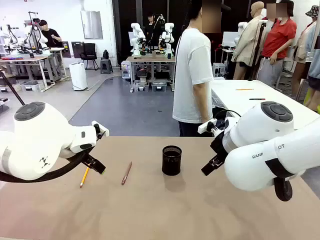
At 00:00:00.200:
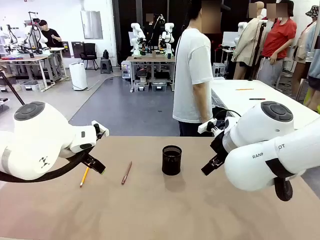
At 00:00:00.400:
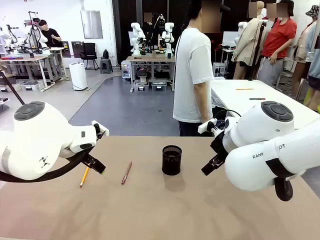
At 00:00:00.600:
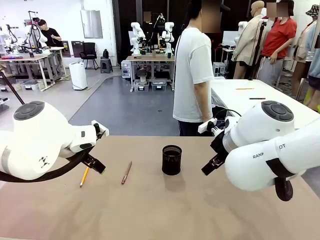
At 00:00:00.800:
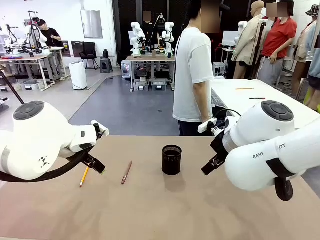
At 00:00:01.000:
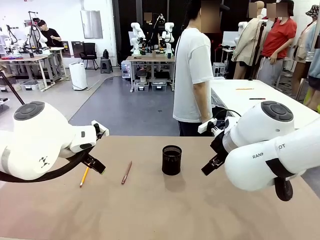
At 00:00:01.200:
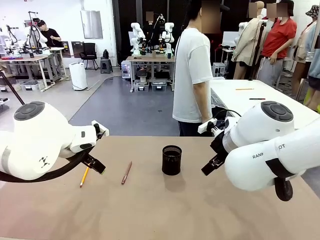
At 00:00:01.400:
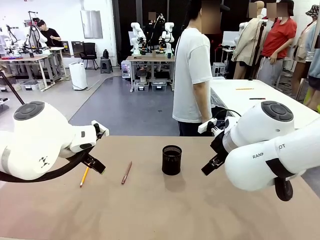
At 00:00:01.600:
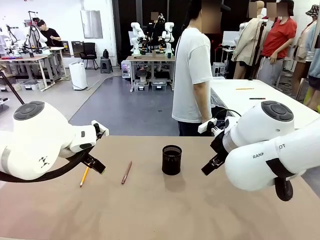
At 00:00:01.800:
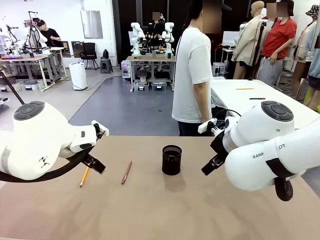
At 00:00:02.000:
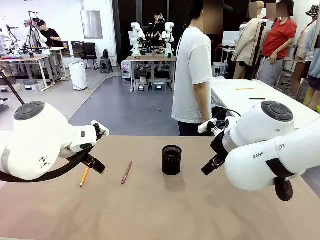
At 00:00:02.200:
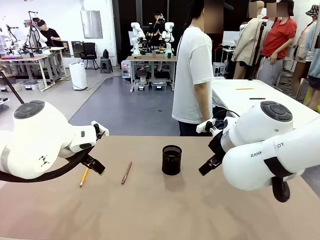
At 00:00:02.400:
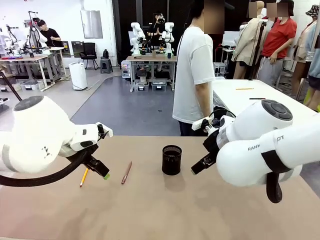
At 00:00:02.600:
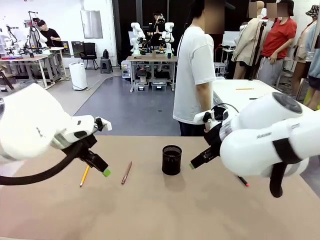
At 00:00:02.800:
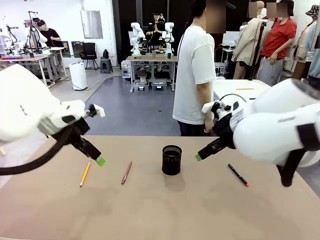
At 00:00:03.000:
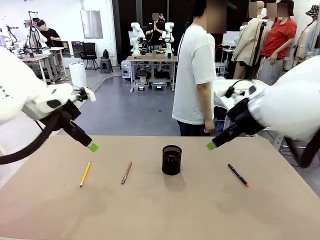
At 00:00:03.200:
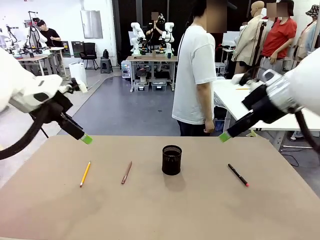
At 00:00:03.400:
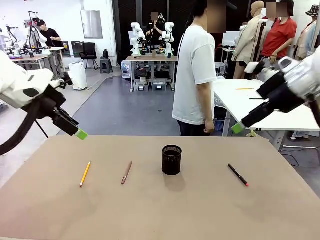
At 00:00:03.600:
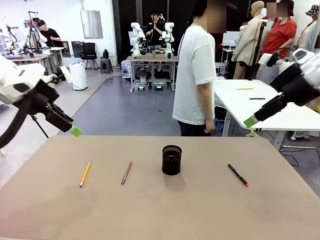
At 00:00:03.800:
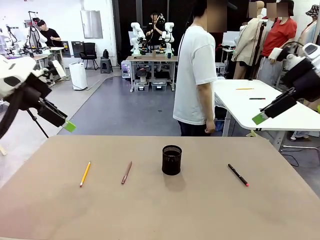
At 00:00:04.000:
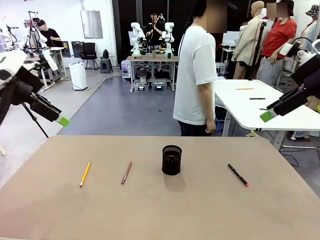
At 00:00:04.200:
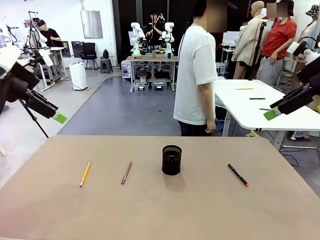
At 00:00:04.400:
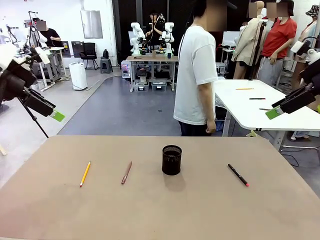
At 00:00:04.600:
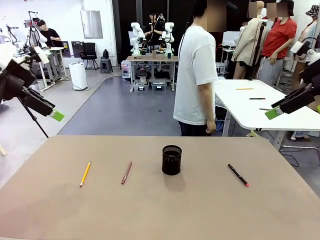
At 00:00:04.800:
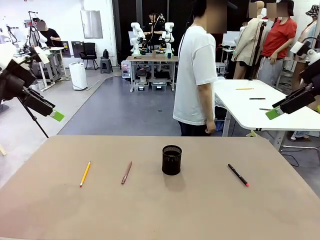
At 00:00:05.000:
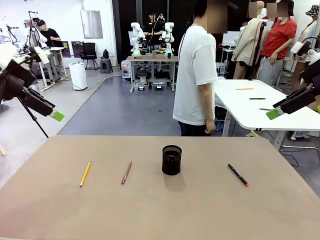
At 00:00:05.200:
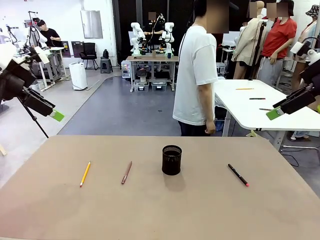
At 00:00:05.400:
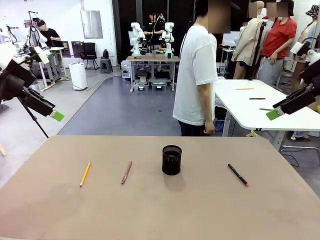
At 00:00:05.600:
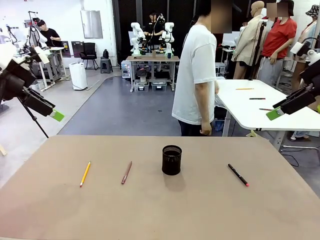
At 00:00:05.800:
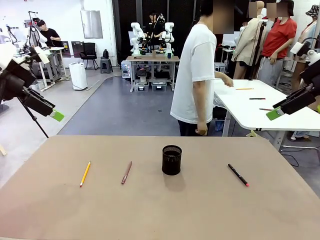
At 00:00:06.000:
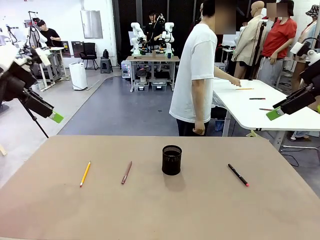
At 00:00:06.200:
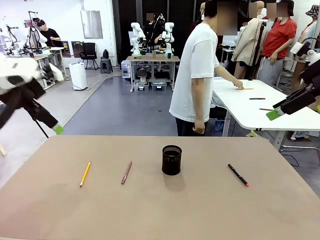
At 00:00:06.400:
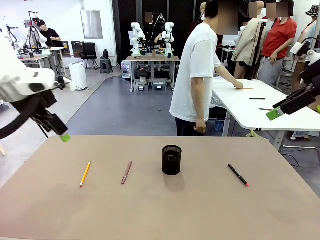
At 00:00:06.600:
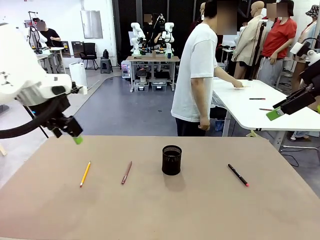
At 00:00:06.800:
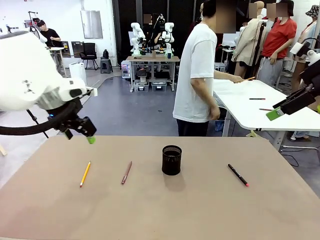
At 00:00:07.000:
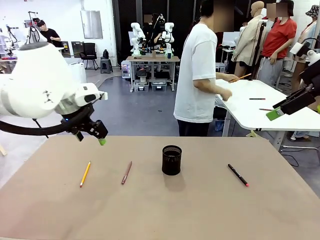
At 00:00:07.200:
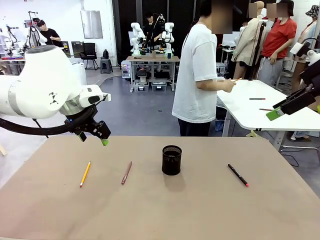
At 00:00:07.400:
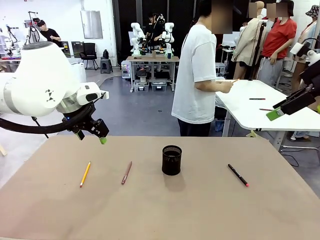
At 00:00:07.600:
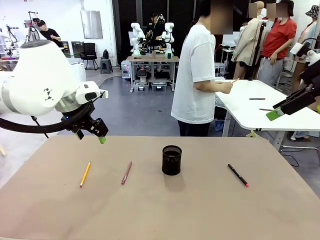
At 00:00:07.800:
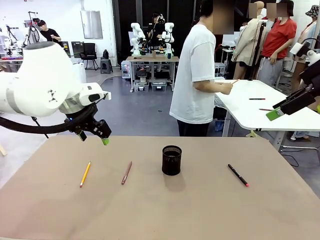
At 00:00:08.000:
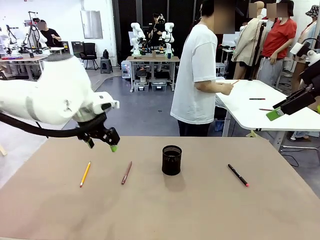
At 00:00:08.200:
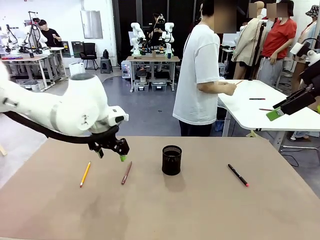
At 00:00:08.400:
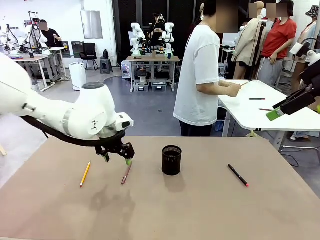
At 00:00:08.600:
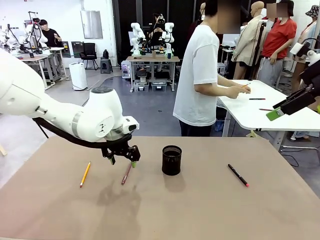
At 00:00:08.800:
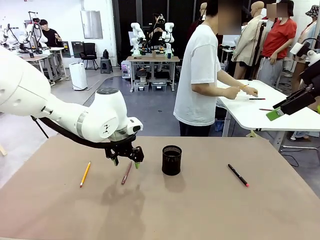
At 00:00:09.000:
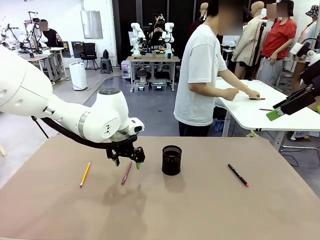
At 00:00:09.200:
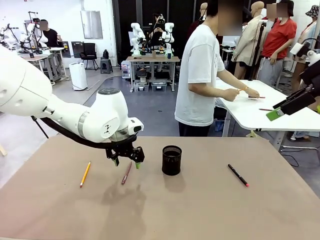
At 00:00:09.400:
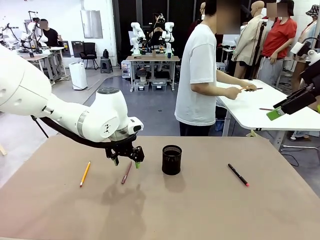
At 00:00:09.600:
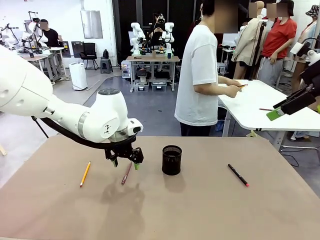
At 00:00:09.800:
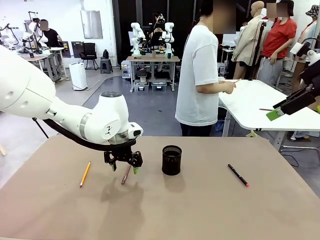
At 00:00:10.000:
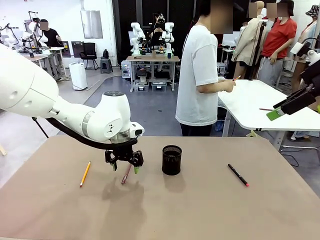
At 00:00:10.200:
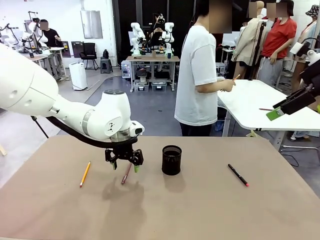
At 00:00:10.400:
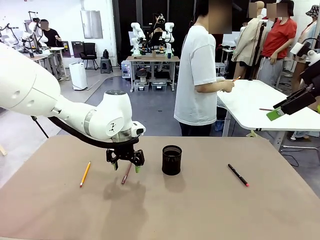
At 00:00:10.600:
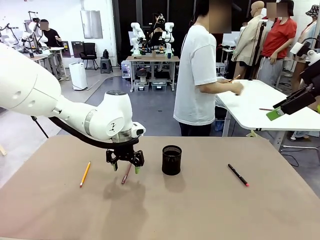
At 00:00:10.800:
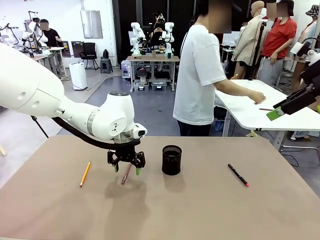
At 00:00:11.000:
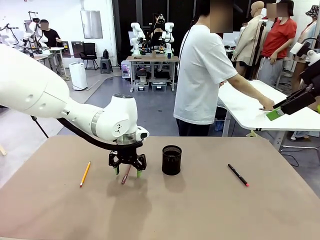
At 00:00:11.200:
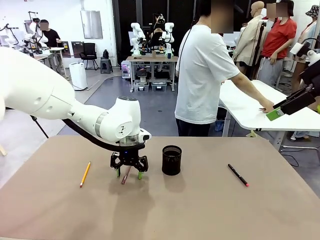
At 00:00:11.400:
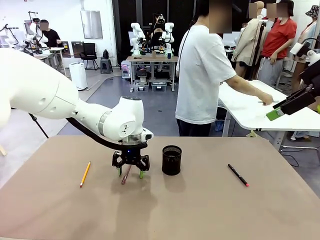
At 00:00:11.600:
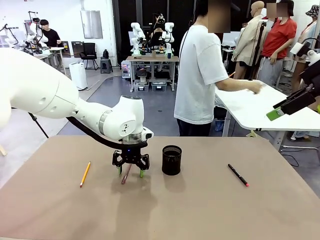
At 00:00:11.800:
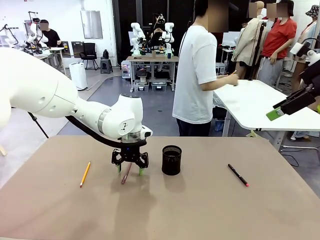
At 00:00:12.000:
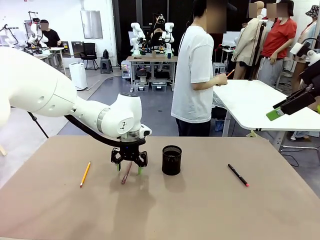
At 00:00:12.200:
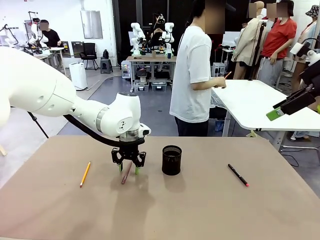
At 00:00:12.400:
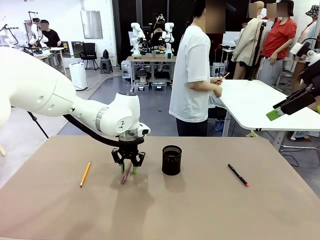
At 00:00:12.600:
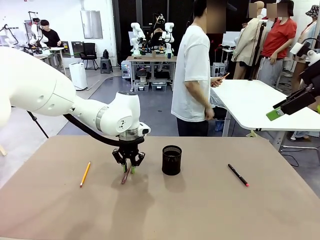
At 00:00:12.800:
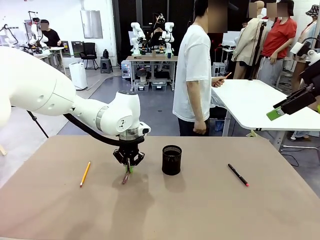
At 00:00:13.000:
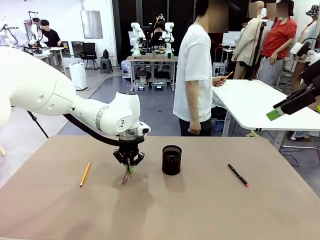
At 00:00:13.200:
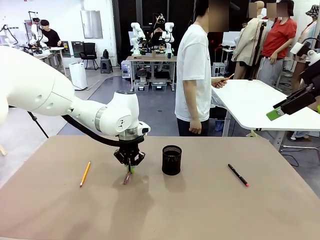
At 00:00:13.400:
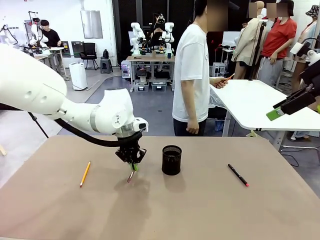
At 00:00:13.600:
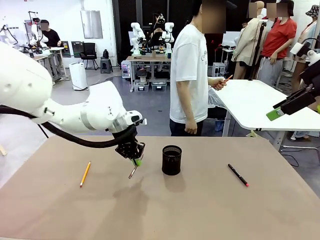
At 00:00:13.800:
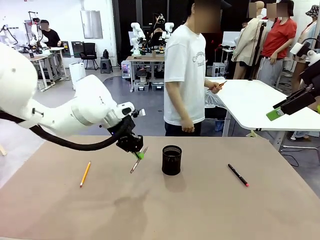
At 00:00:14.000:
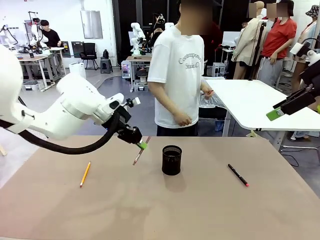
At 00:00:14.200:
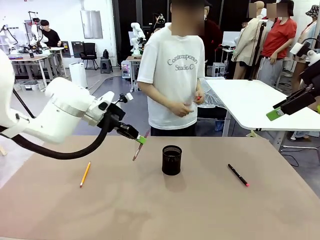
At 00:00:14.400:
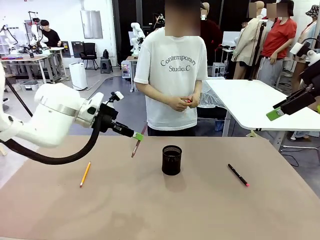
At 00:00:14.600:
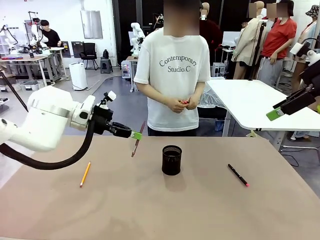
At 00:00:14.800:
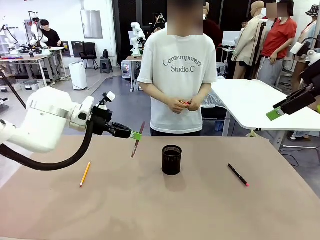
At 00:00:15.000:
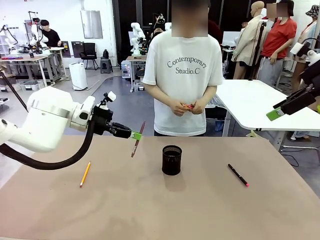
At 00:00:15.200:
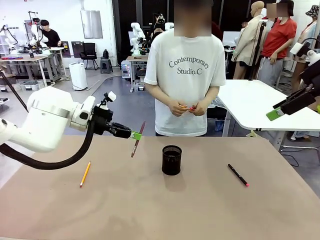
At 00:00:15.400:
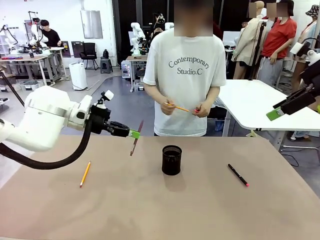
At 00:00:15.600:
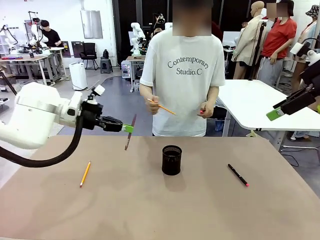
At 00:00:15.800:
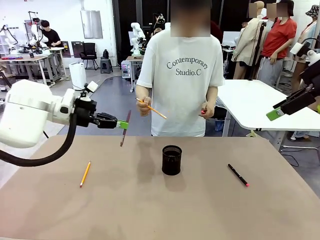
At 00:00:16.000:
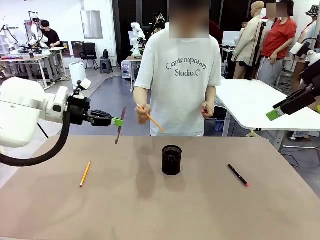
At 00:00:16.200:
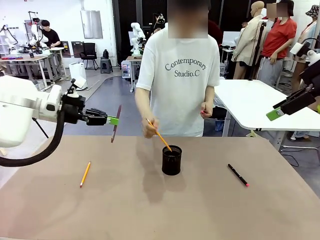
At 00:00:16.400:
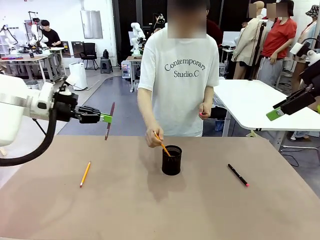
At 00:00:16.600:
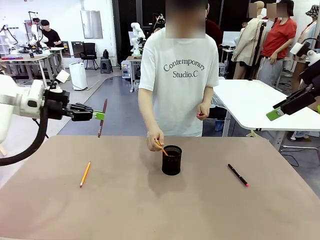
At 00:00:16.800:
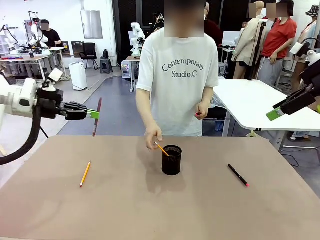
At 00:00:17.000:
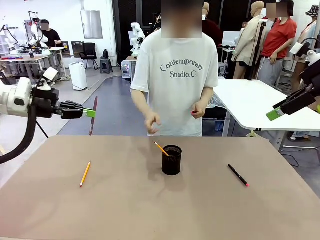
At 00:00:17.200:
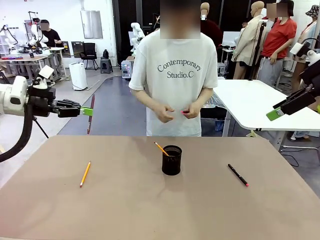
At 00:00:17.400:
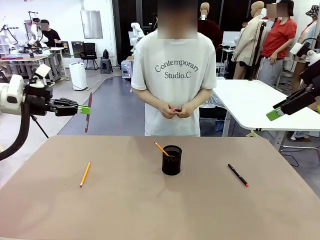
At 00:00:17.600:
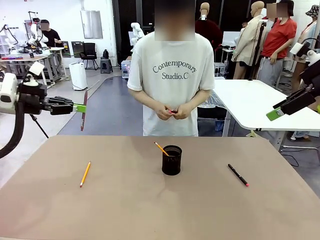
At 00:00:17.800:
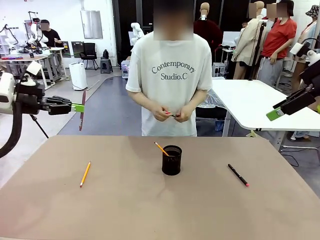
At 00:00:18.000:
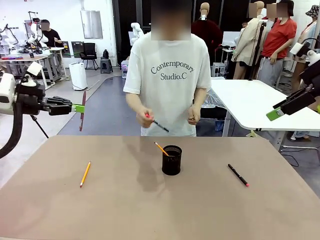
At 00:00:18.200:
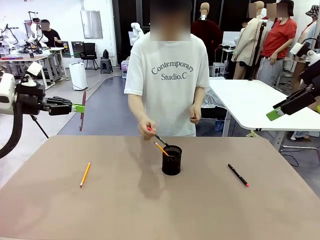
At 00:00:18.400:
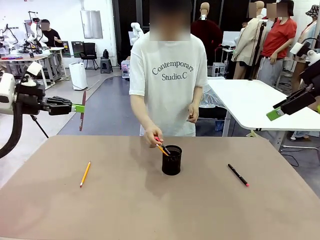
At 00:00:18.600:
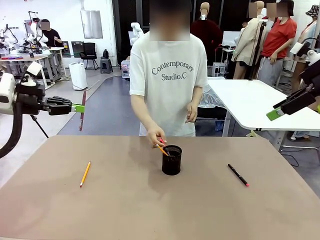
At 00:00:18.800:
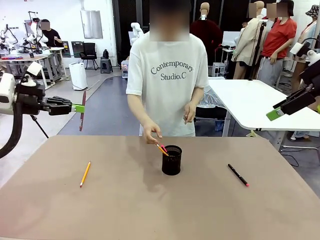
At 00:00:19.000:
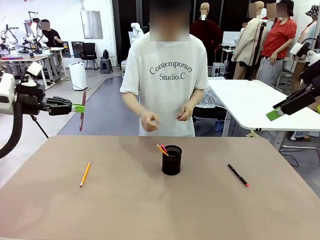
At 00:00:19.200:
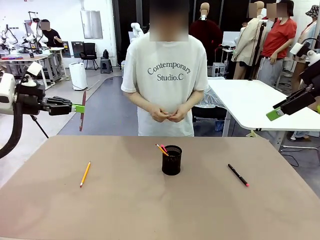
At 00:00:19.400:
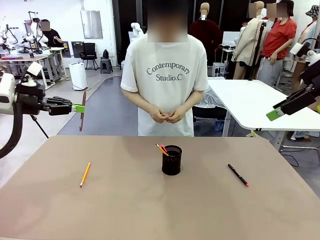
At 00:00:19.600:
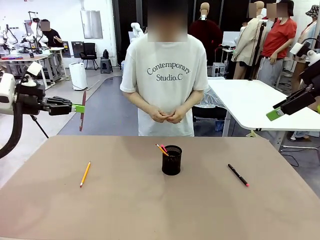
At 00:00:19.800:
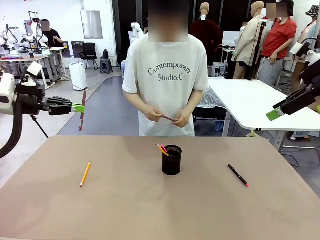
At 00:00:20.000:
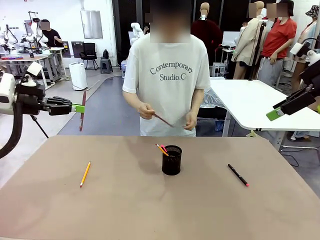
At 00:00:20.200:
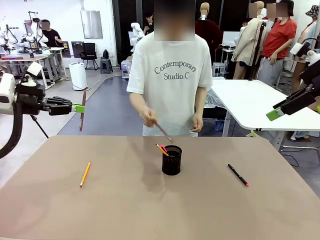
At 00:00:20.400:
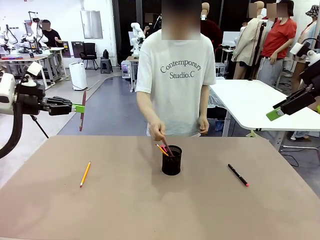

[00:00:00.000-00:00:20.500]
Task: Place the pens into the pen holder.
Robot: Pick up a writing instrument from the table and place it into the Pen holder.
Person: Pick up all writing instruments from the Human table.
